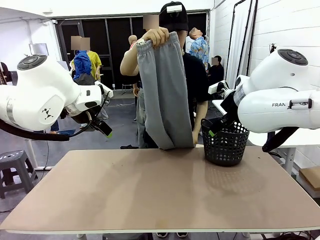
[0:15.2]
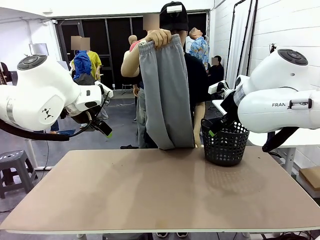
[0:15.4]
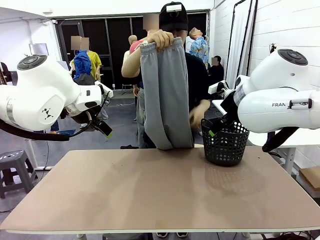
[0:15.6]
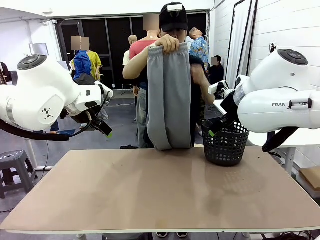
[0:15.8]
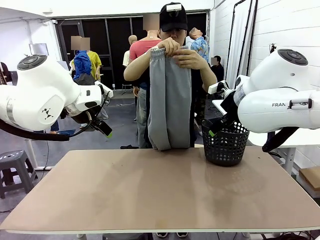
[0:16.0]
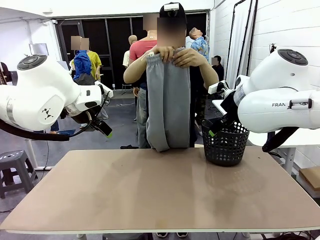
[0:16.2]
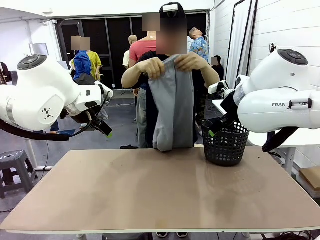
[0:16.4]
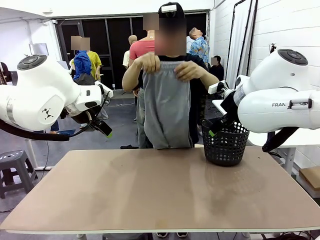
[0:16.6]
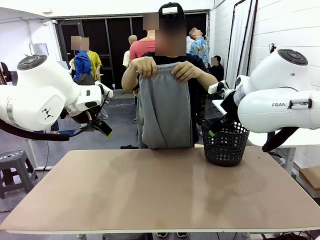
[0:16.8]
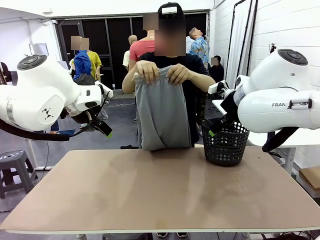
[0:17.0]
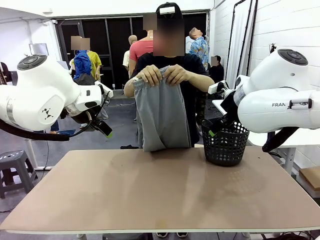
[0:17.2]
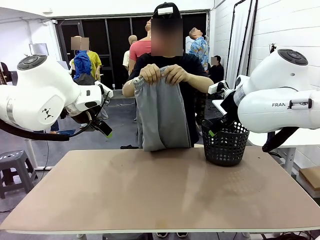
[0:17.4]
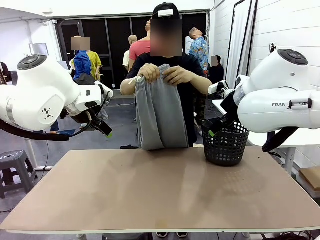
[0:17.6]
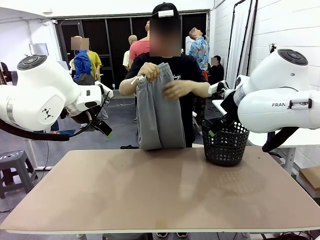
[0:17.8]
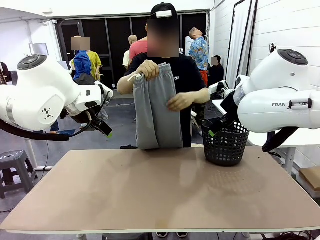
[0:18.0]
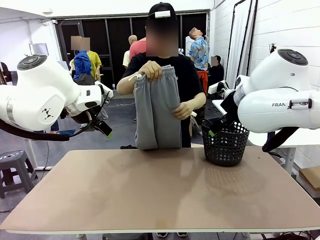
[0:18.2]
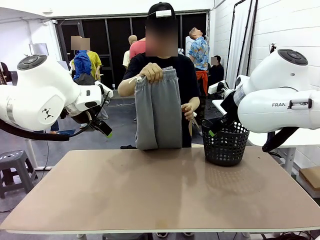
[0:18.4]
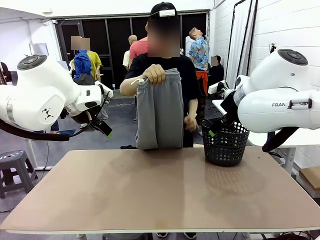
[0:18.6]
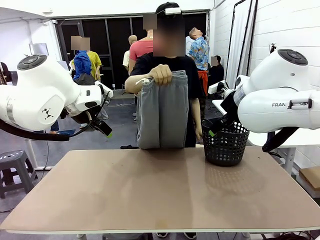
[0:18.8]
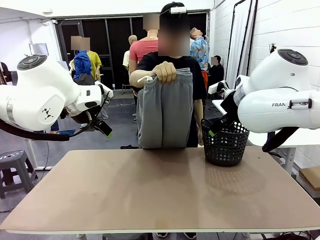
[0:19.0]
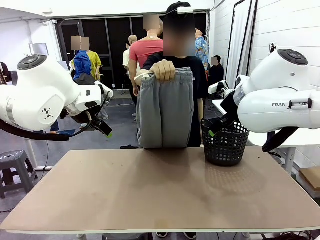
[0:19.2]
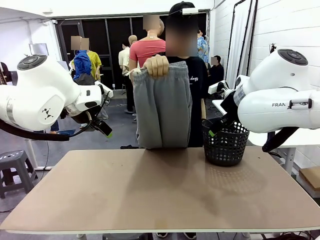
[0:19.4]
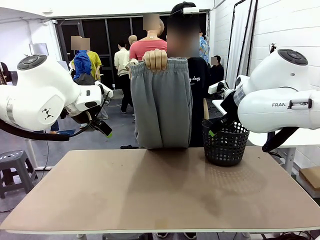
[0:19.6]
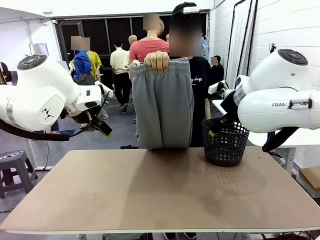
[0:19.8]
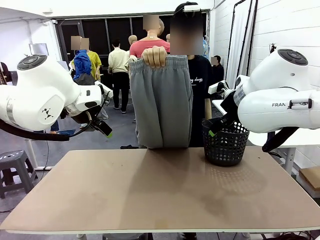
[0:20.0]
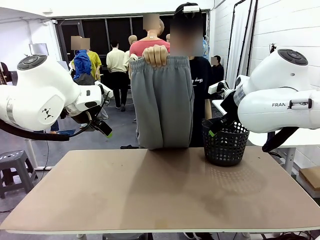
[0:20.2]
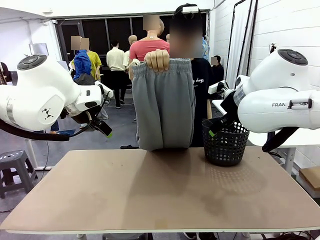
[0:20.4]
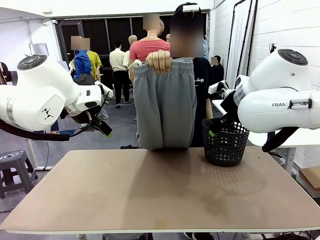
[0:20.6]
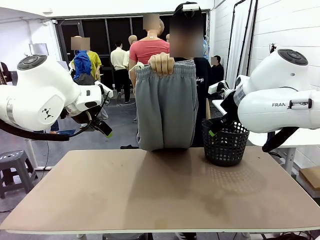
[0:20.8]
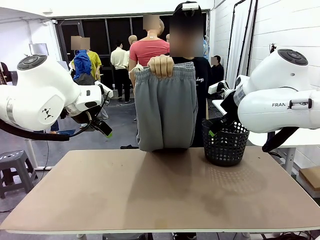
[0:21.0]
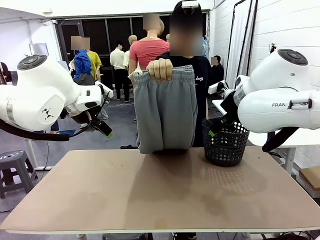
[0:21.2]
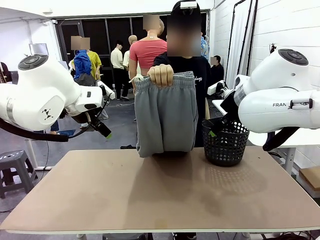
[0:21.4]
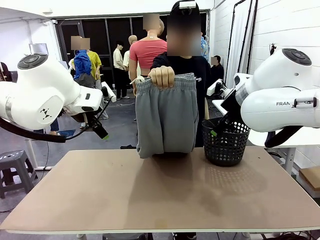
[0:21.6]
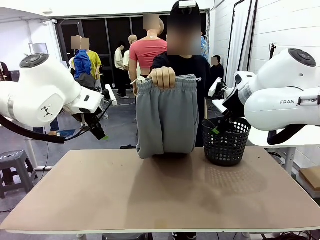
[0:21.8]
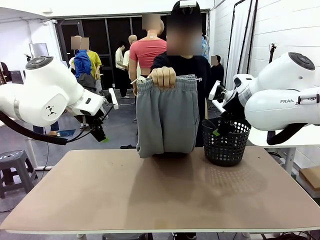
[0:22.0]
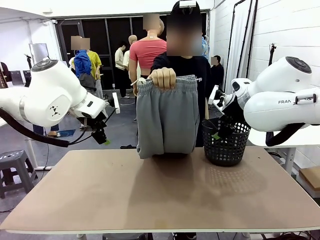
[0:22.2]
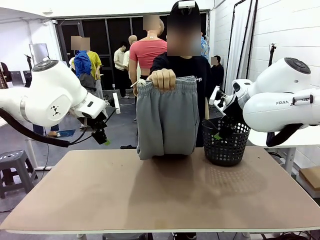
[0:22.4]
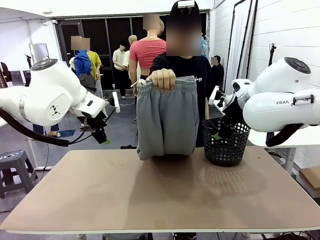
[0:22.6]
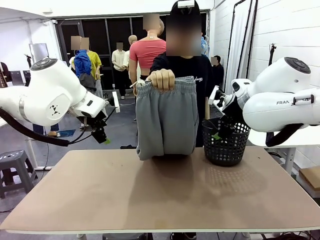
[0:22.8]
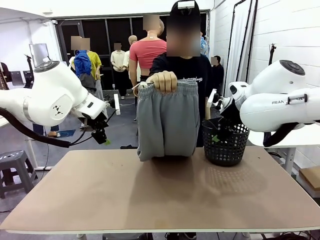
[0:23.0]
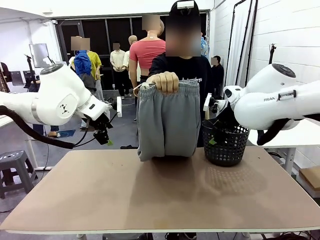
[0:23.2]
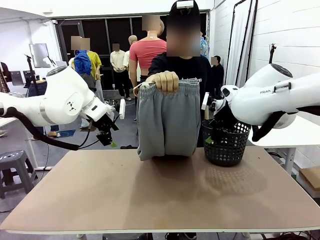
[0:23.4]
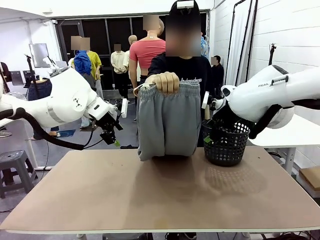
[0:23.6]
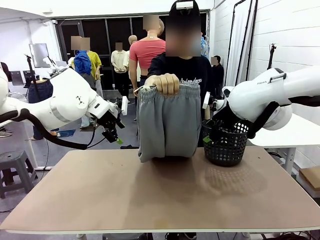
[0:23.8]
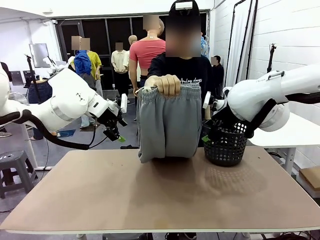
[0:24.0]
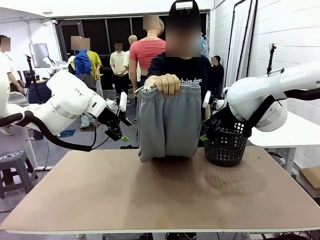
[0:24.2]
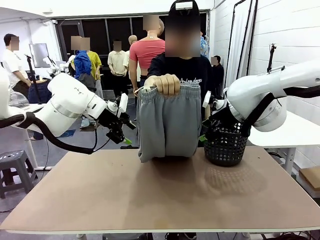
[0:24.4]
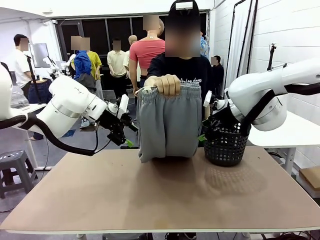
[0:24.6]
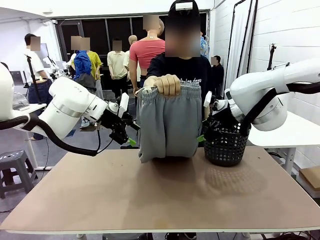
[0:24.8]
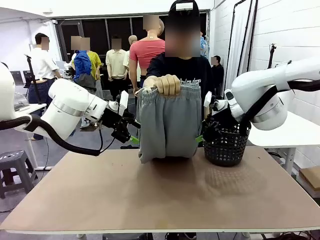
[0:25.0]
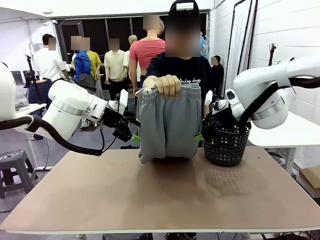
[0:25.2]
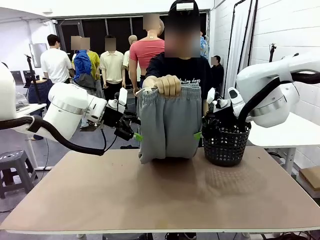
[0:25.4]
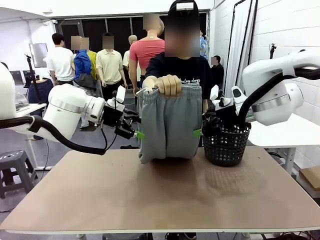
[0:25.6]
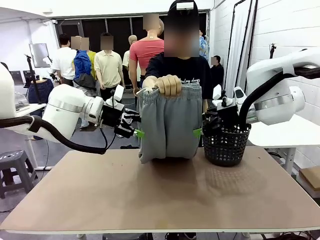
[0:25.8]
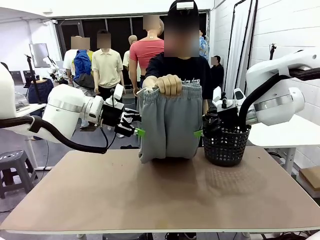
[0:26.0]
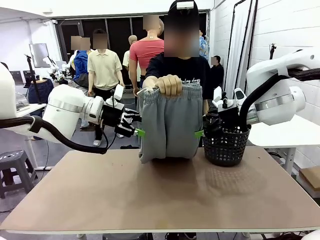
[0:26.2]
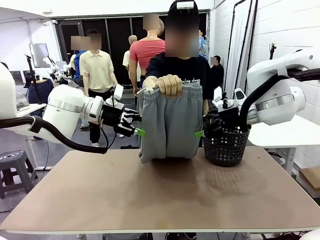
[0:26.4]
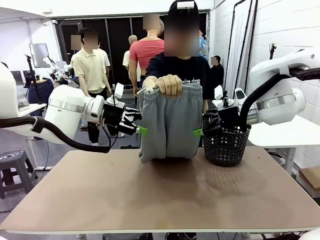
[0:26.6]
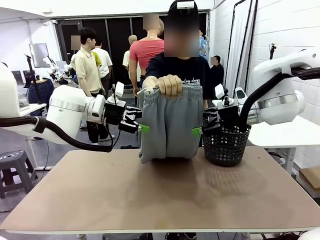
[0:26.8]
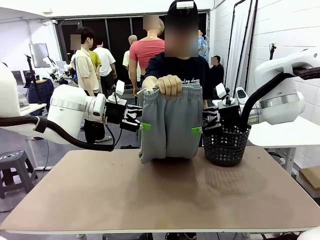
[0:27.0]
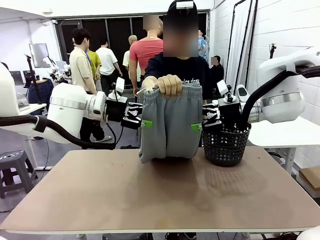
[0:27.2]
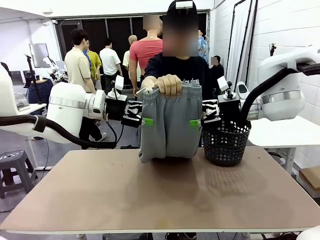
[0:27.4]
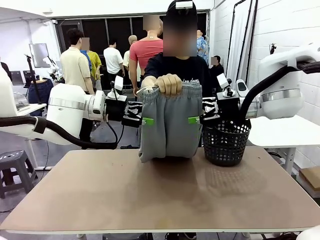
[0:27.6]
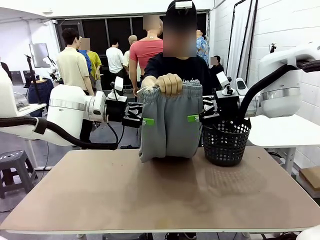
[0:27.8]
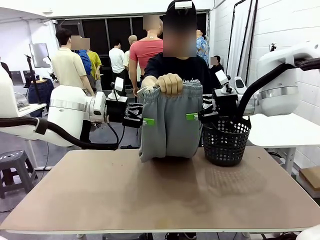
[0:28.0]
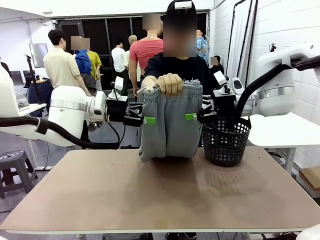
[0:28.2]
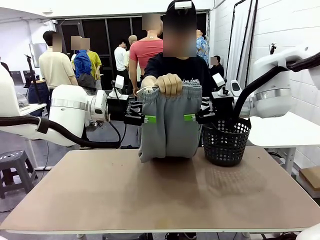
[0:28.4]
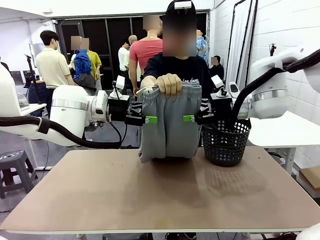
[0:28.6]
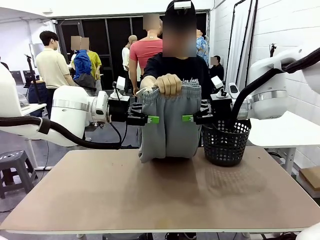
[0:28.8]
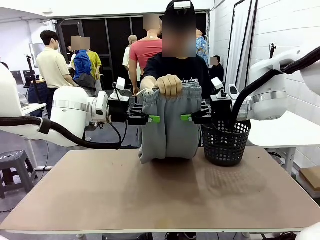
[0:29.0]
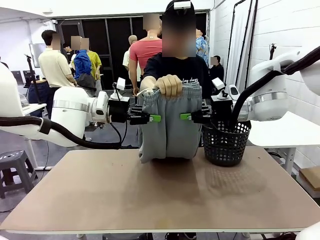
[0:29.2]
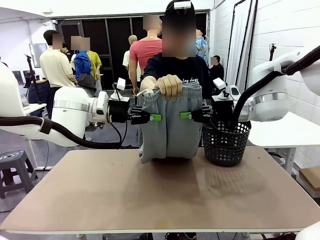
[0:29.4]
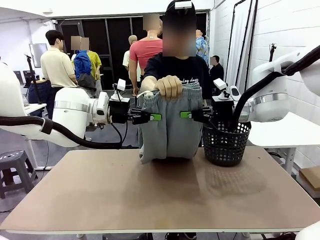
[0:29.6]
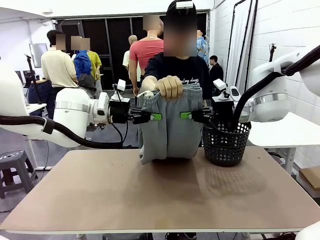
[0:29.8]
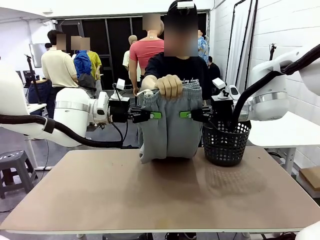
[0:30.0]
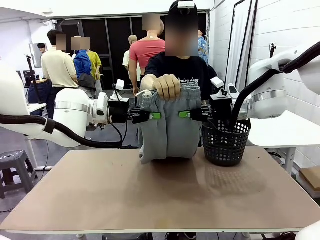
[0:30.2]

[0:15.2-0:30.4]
Task: Fold the training pants.
Robot: Grab both ends of the Training pants handed by a person.
